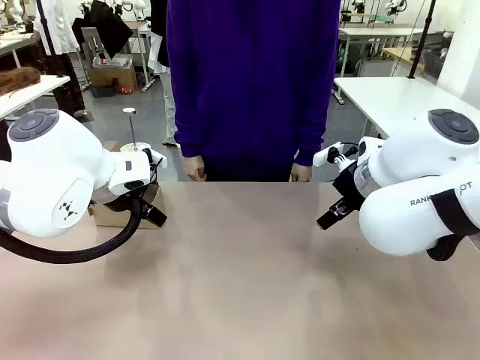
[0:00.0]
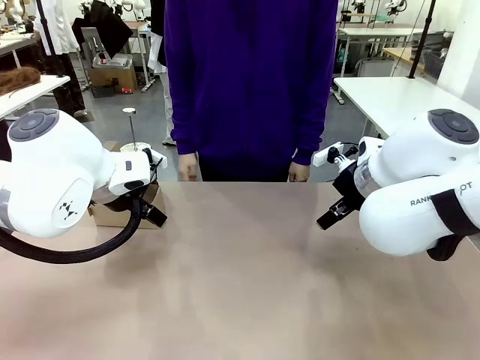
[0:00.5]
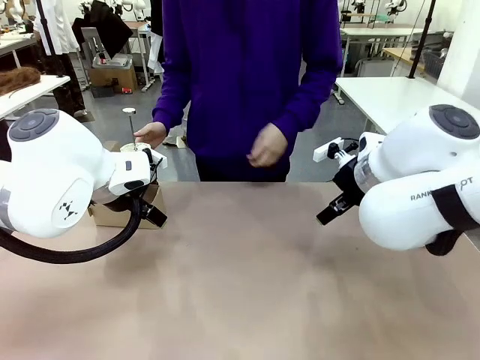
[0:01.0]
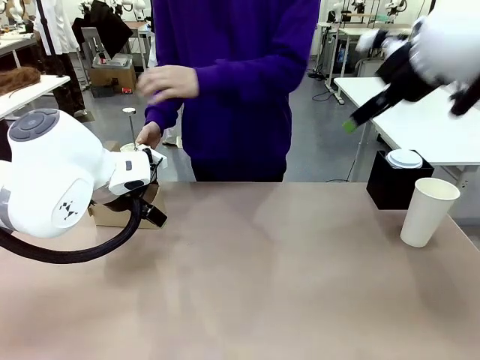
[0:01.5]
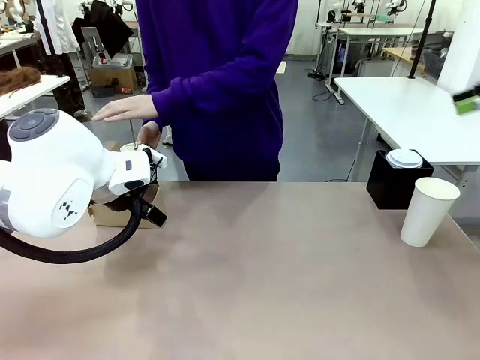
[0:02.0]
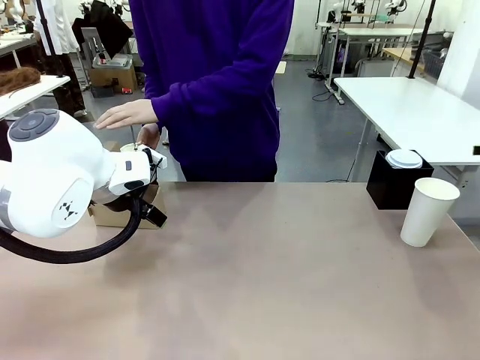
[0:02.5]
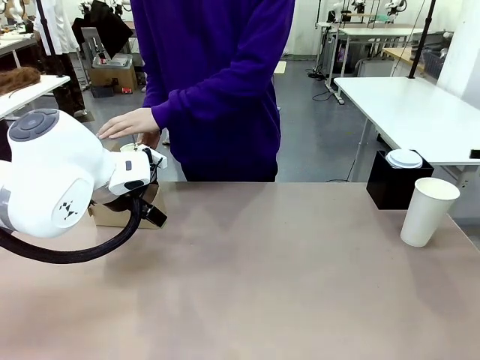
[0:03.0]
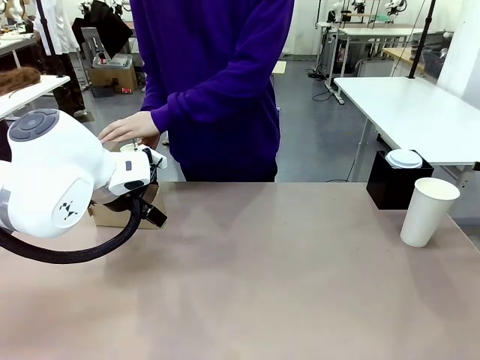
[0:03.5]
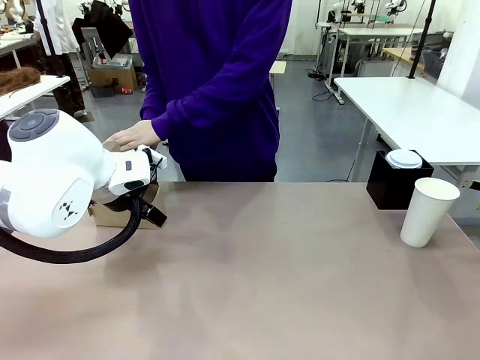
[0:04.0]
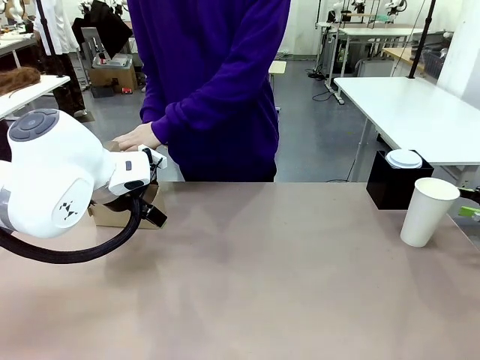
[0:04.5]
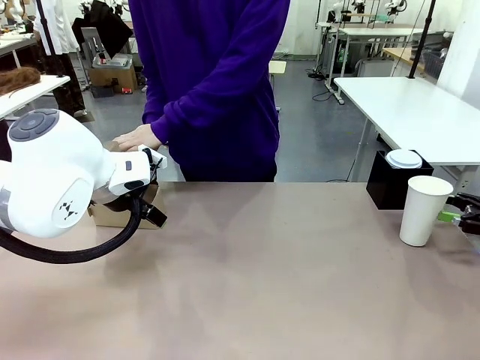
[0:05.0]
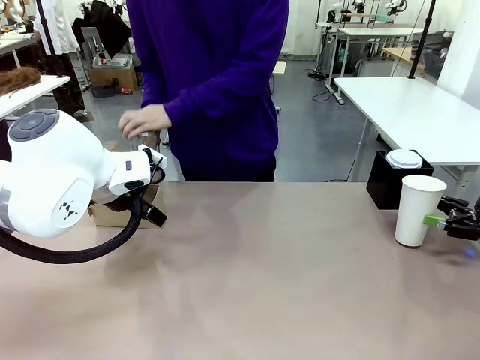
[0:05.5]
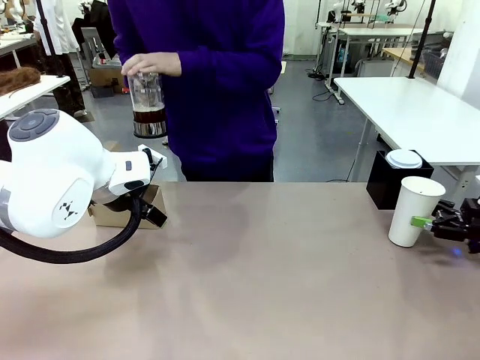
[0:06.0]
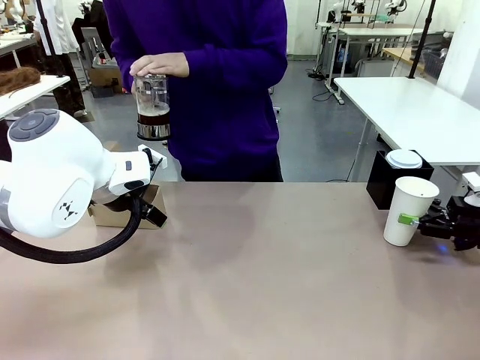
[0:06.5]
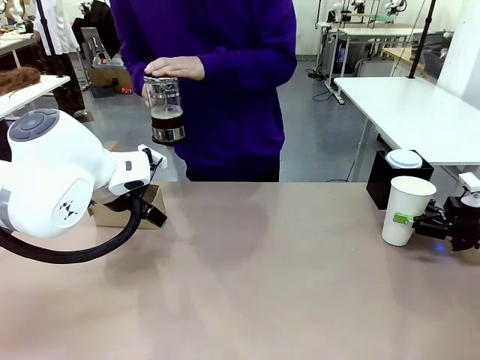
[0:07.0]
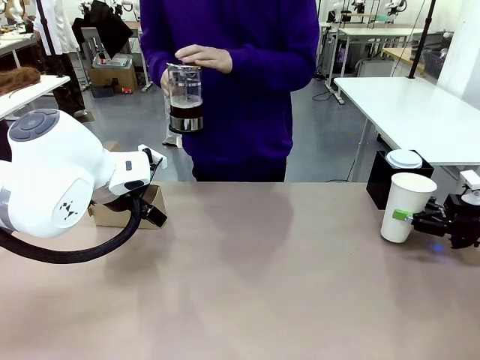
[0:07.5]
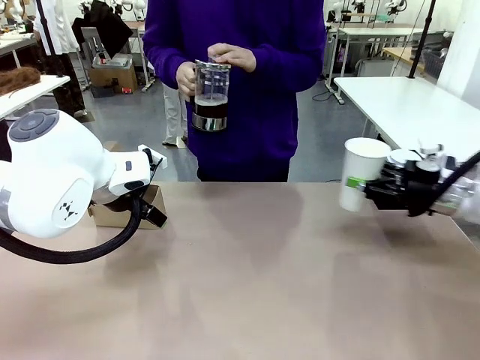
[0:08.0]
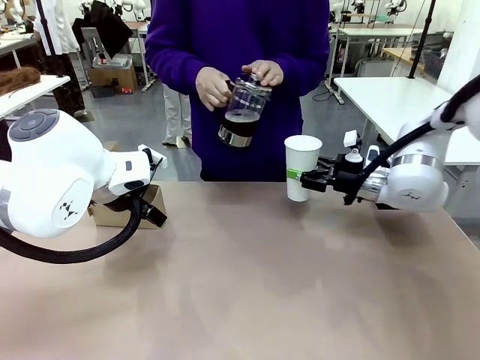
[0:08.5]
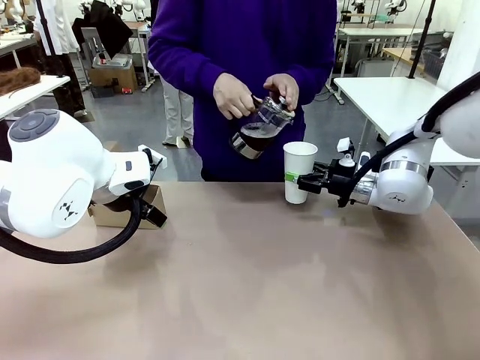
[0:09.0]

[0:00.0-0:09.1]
Task: Pour a drink into a cup and package it in a carrier.
Robot: Pick up the 600 ml Paper Cup and place it in the middle top area of the table.
Person: Press and pick up the Filter Brewing.

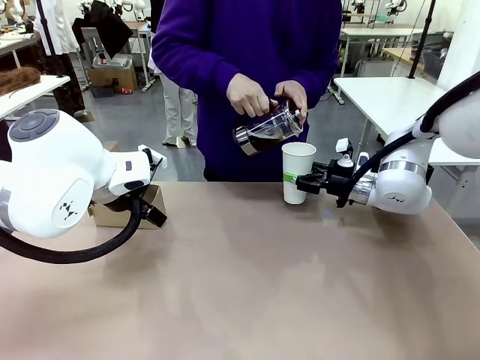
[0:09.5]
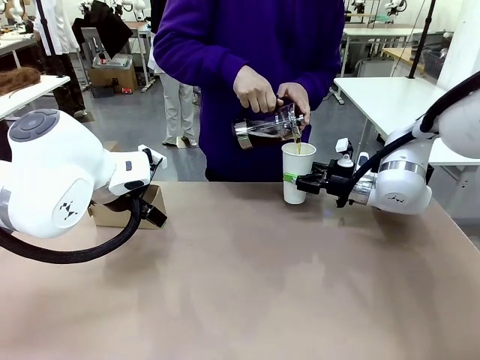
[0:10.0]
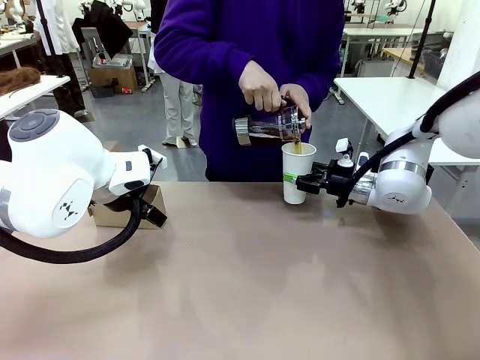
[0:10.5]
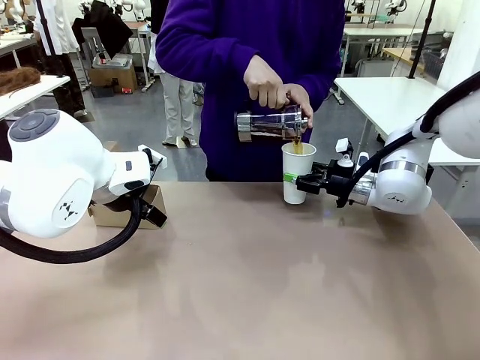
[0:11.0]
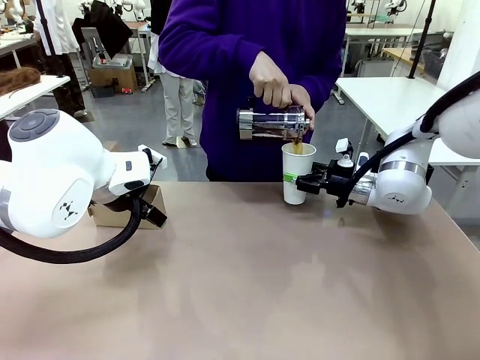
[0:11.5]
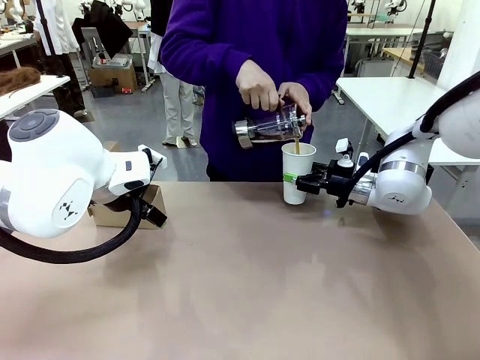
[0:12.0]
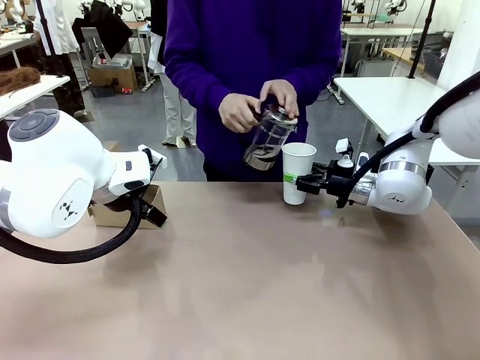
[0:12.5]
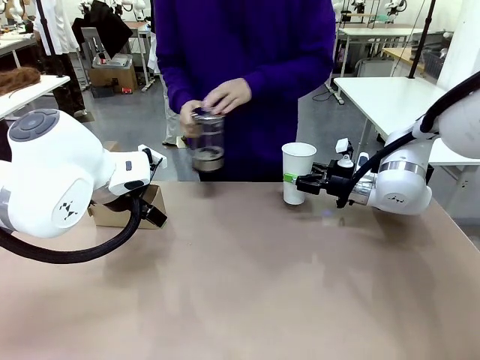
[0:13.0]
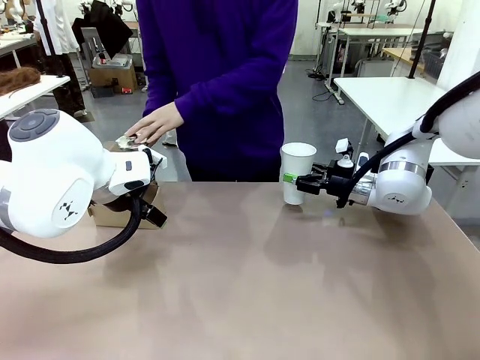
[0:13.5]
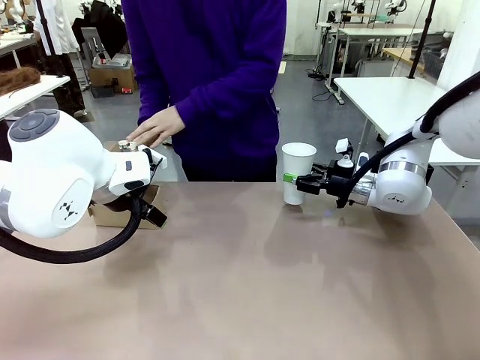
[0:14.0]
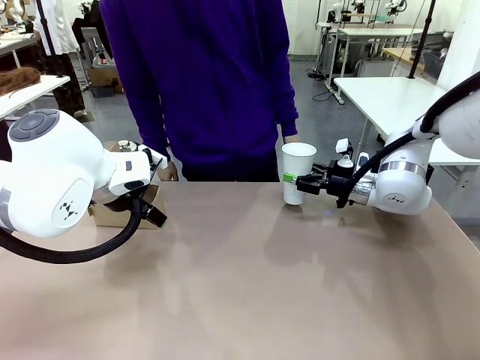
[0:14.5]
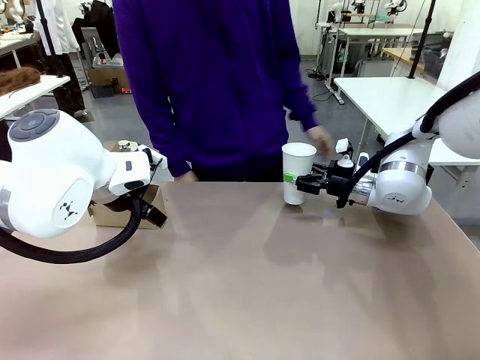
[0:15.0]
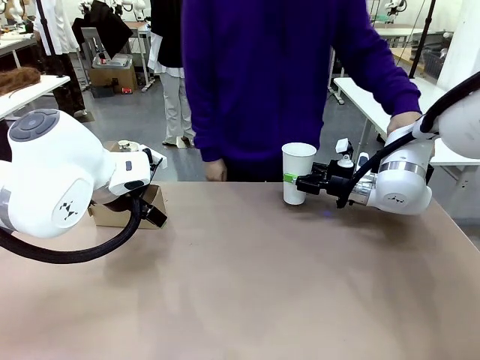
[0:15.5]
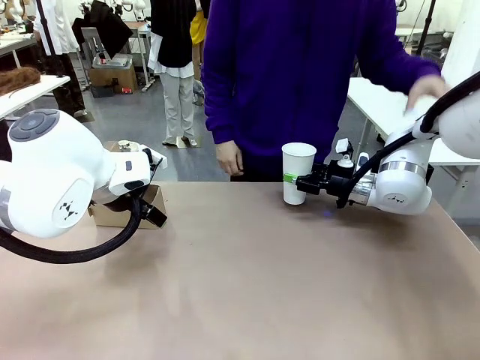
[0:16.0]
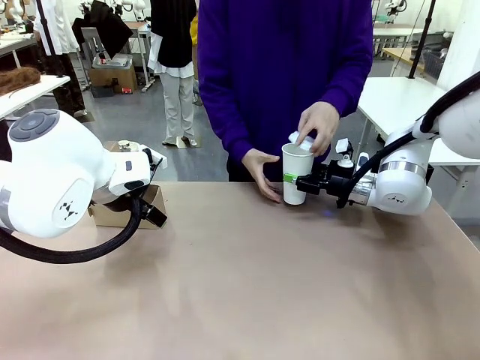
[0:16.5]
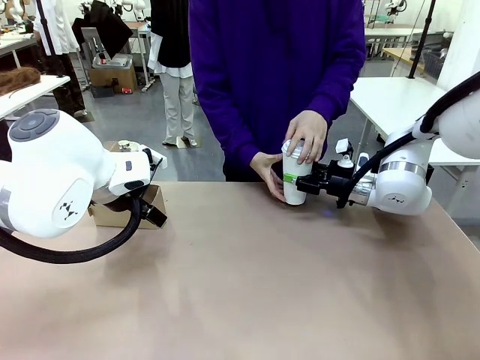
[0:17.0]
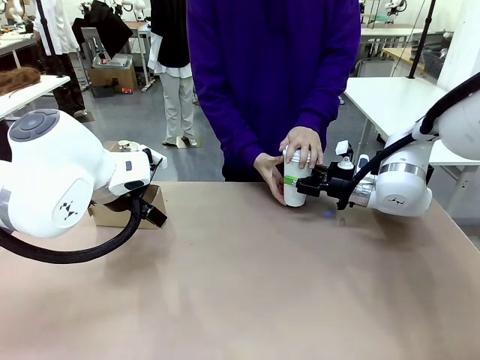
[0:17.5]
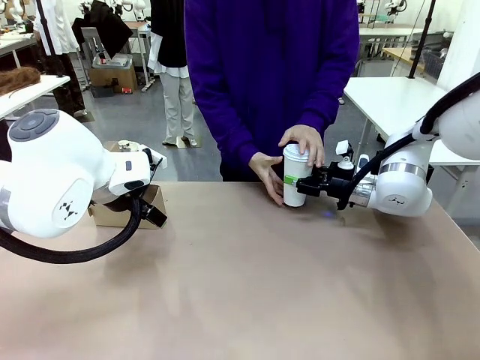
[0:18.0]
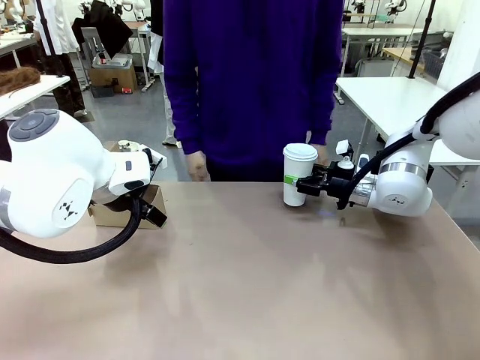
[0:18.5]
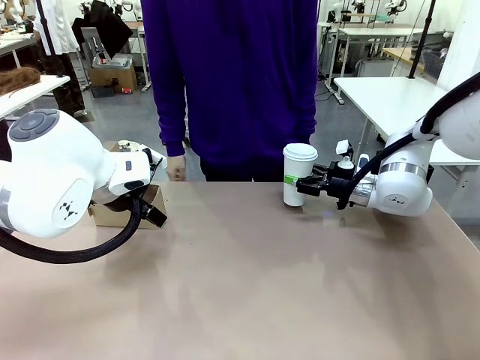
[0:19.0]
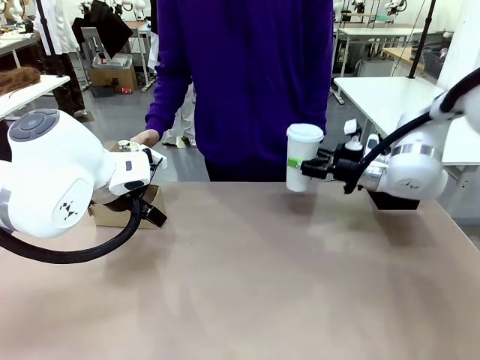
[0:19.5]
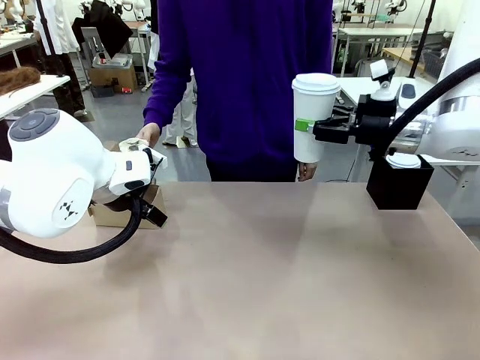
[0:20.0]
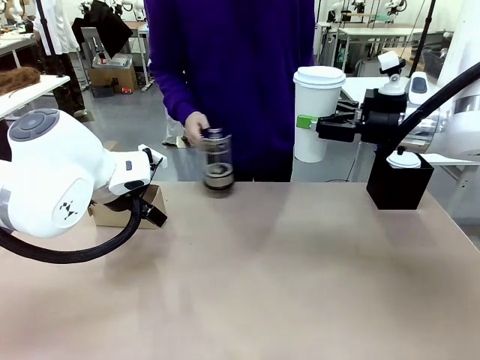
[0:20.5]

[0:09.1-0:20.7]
Robot: When a person places the Paper Cup Lid on the 600 ml Paper Cup , lift the 600 ml Paper Cup.
Person: Pour the drink from the Filter Brewing into the 600 ml Paper Cup. Place a Paper Cup Lid on the 600 ml Paper Cup.

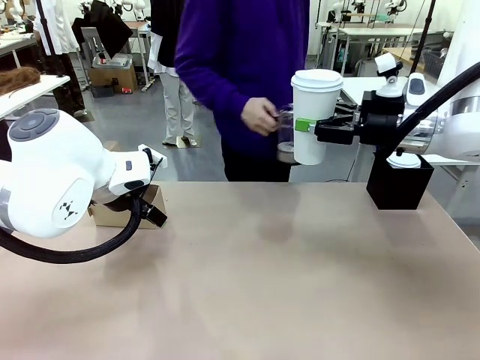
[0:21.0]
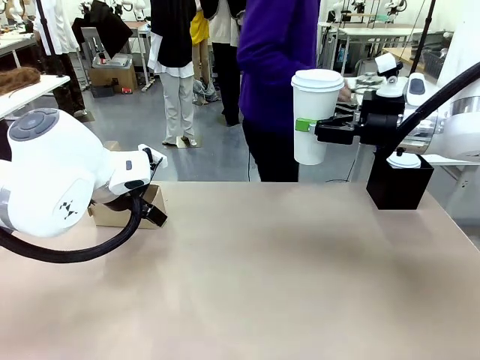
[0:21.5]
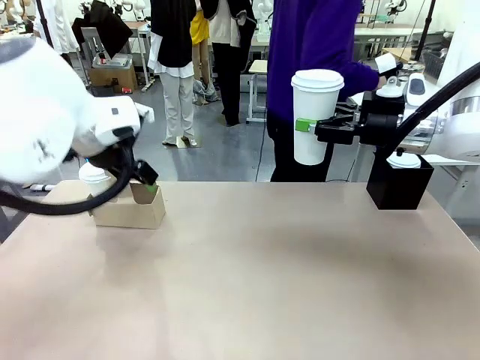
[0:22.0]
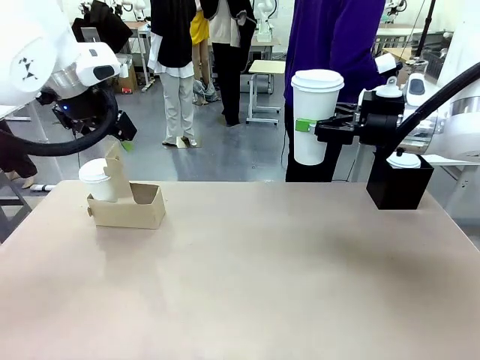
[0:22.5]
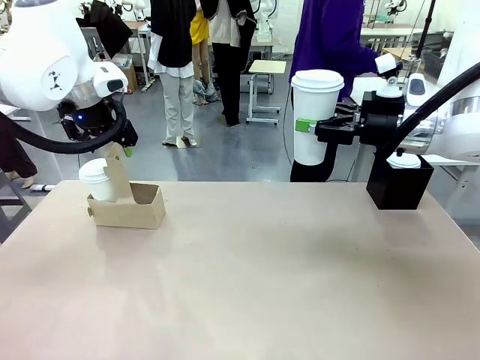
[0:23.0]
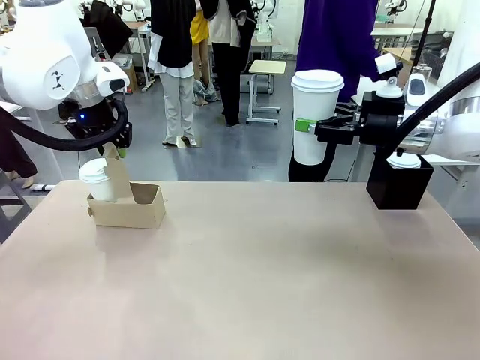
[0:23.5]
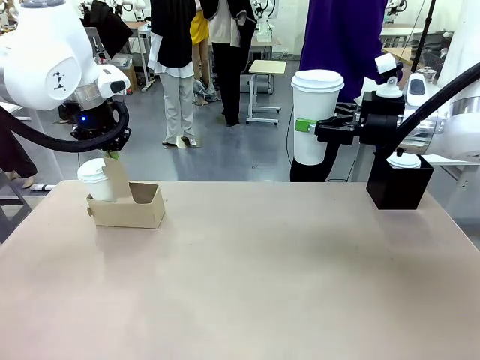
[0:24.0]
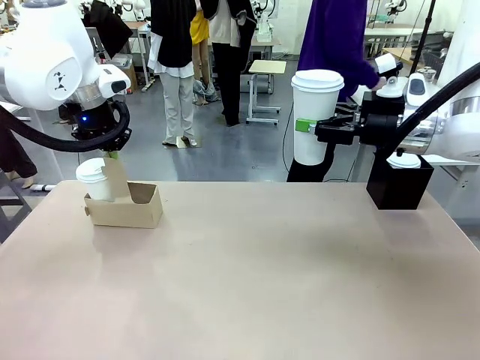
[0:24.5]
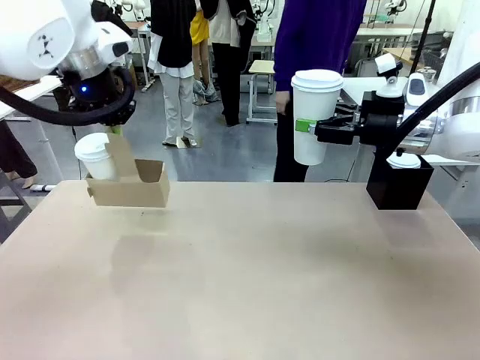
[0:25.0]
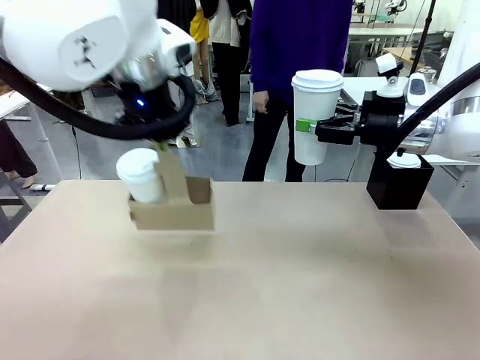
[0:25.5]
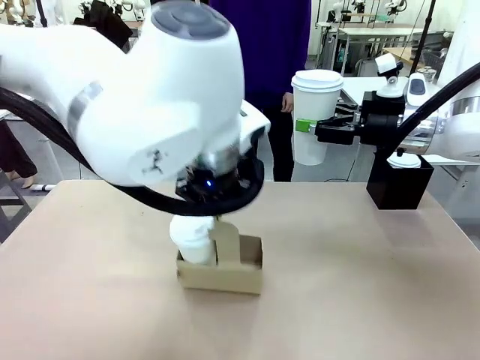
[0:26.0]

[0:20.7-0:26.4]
Robot: Position the Cup Carrier in the center of the table.
Person: Pick up the Filter Brewing and place on the middle of Human table, and return to the Robot table.
